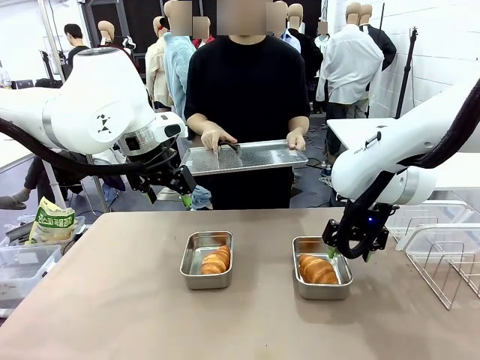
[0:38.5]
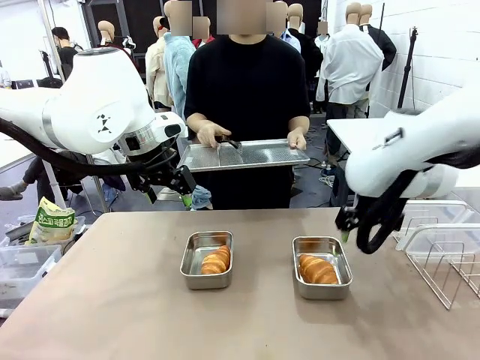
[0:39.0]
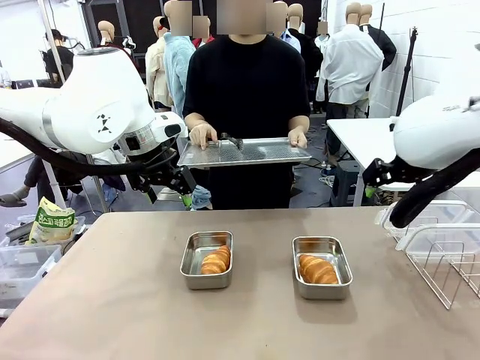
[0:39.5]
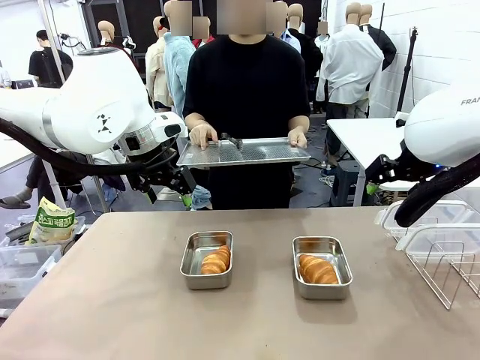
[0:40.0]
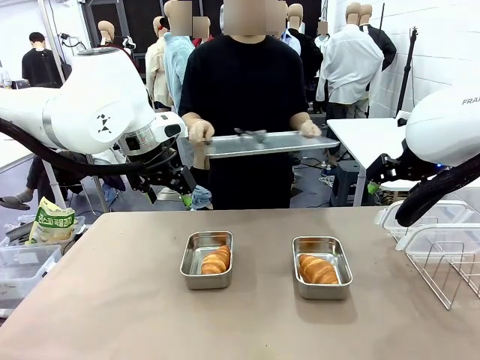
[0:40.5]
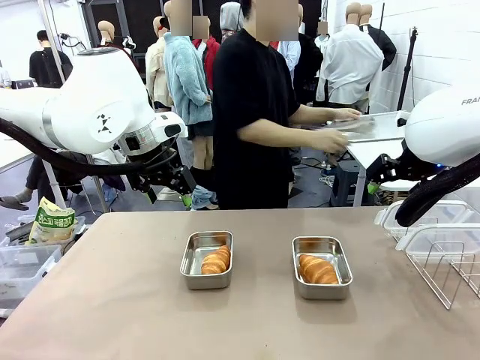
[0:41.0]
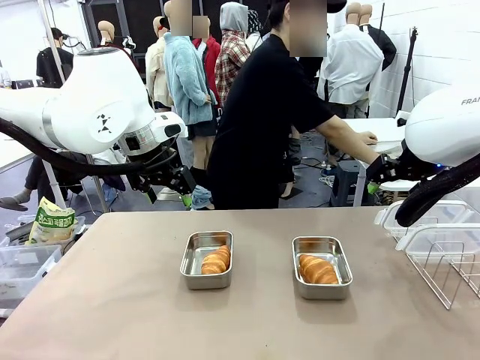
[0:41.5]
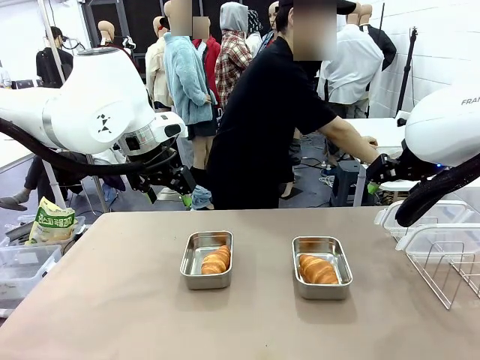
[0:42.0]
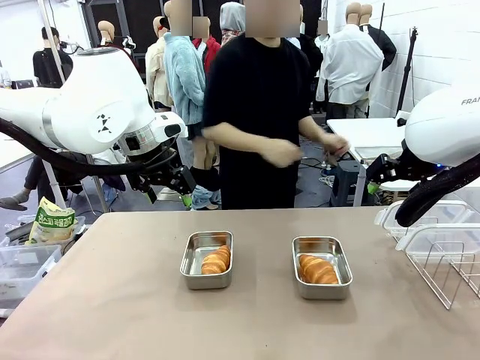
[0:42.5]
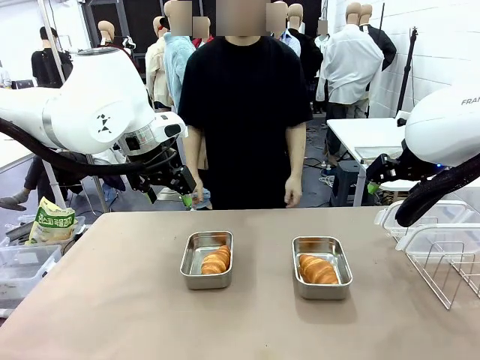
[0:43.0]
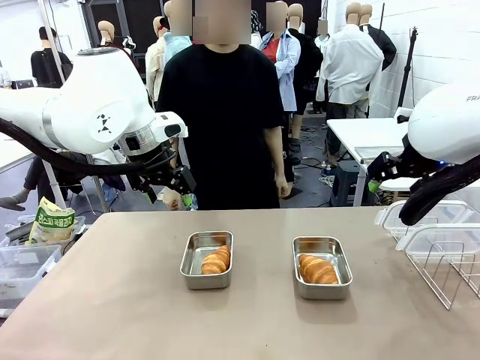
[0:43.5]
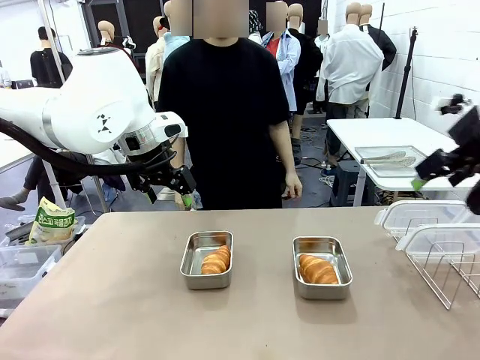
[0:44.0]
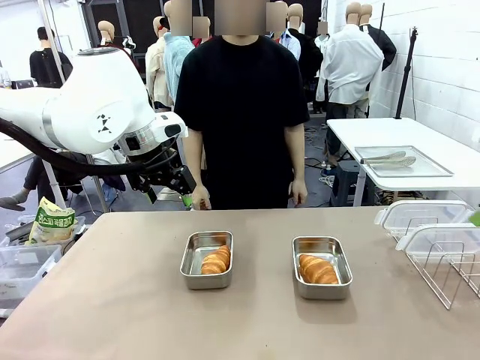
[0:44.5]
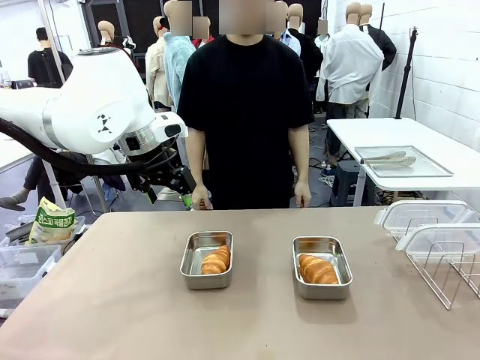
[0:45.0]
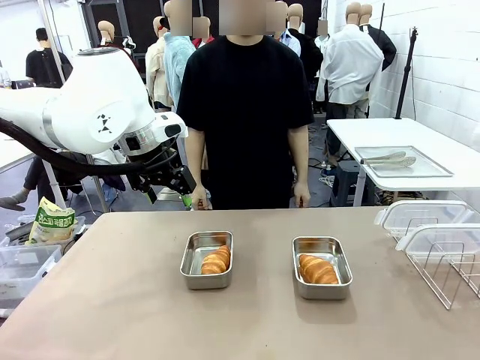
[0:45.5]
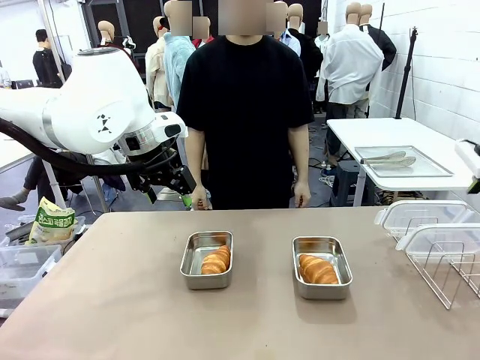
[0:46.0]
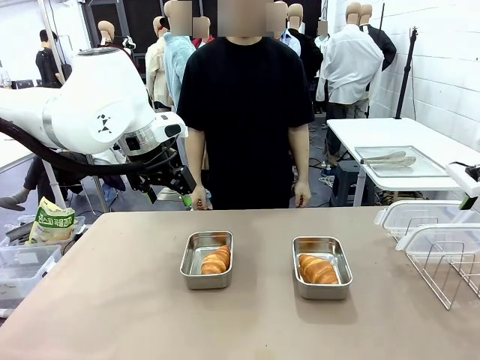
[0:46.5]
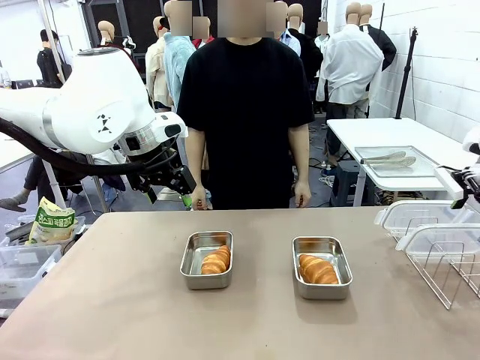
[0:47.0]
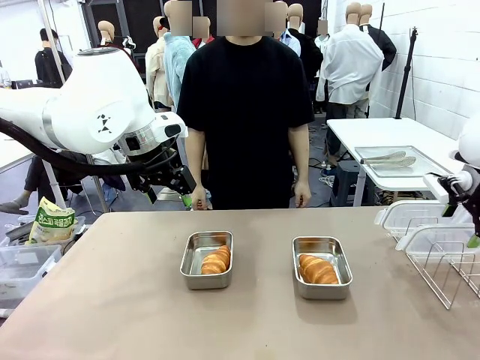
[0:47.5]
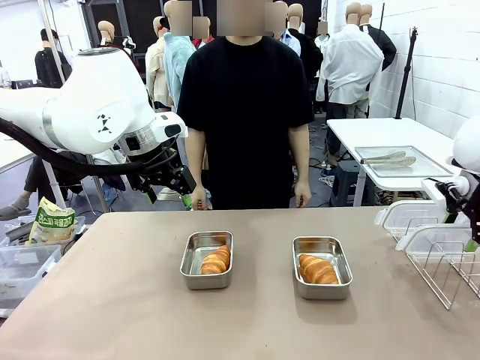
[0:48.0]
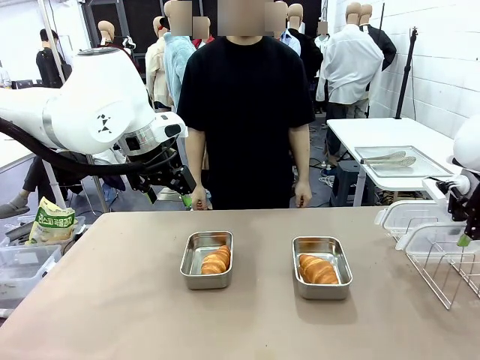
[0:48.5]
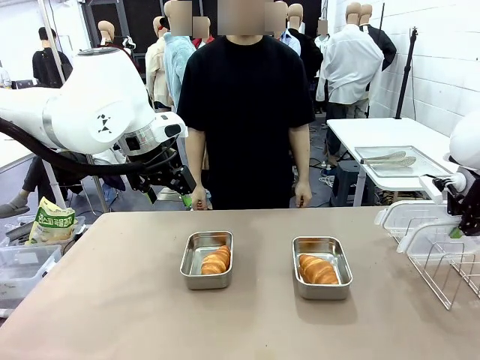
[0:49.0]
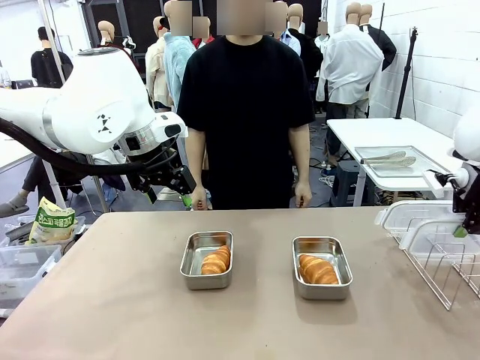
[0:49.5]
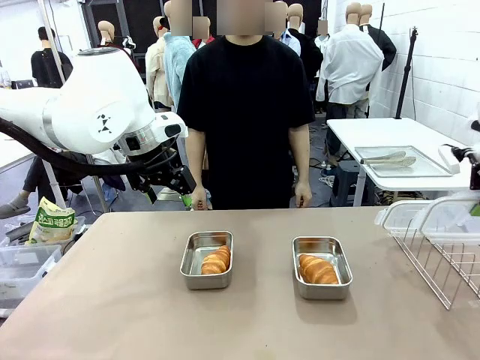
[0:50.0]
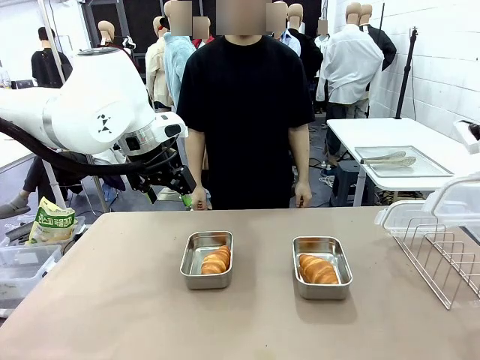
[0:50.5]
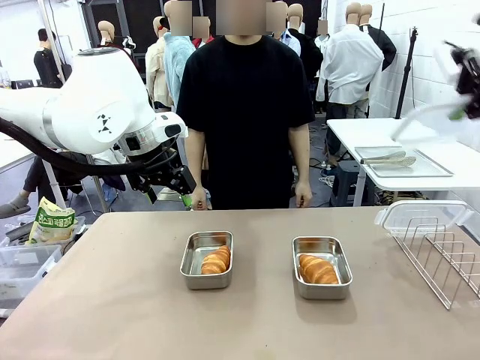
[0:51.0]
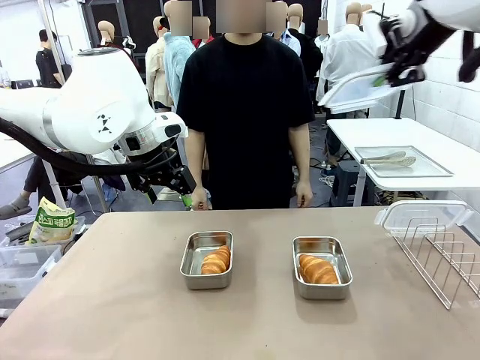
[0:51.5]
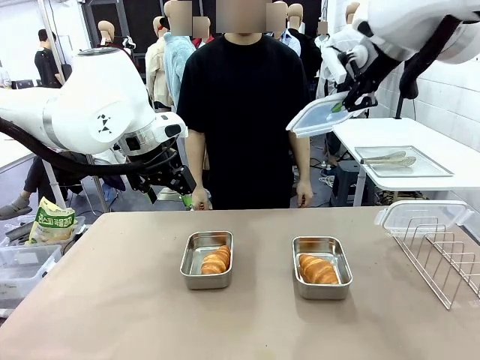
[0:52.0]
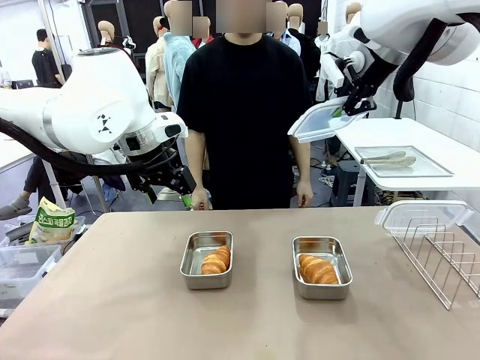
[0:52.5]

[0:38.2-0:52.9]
Task: Place the bread in airtight containers.
Robot: Pick up one Airtight Container lid and hand it to the human.
Person: Place Baking Sheet on the Human's Table. Grip Airtight Container lid that robot is handing.

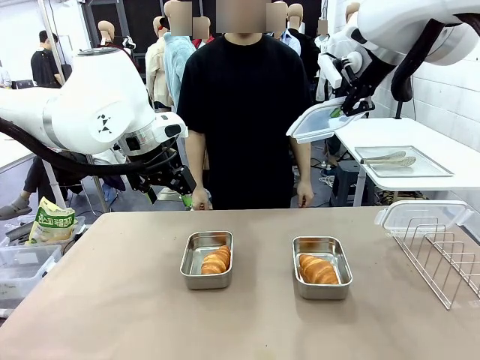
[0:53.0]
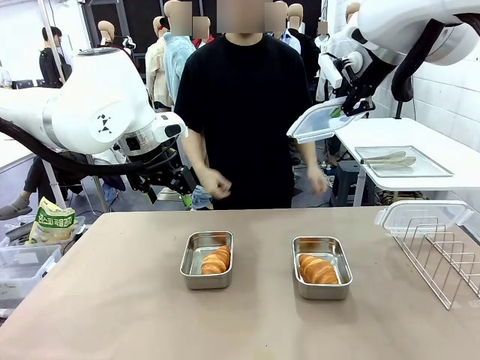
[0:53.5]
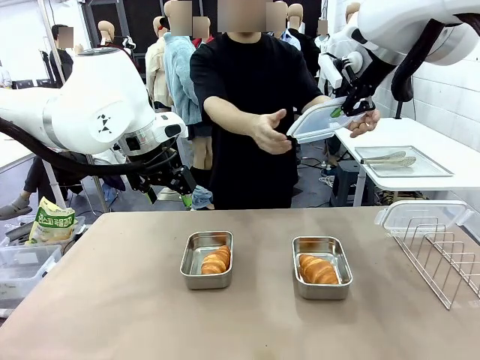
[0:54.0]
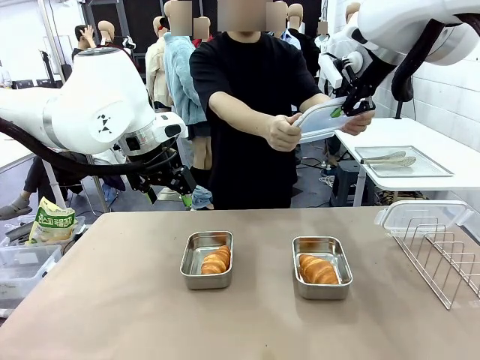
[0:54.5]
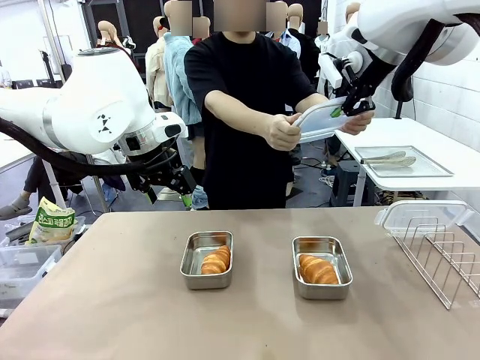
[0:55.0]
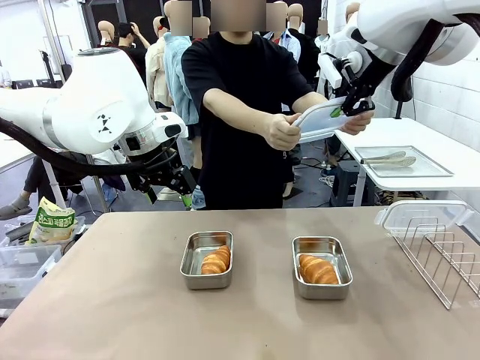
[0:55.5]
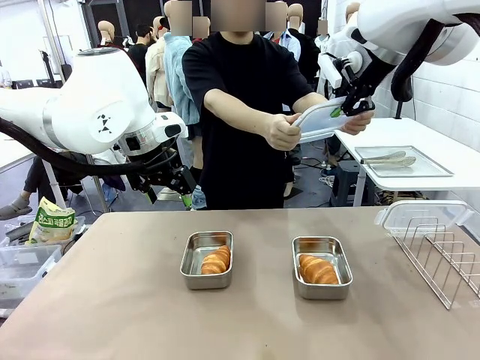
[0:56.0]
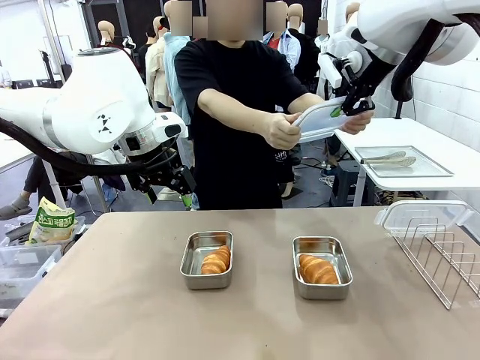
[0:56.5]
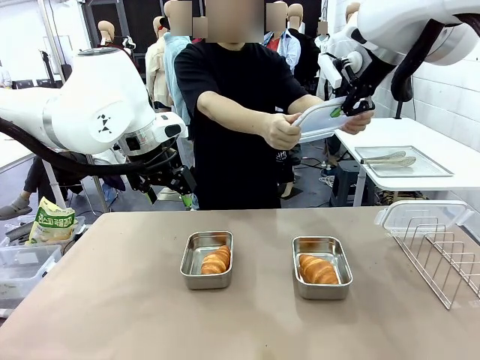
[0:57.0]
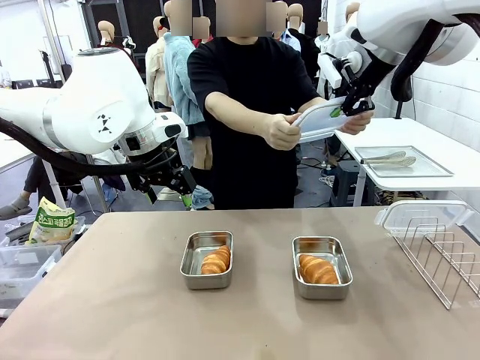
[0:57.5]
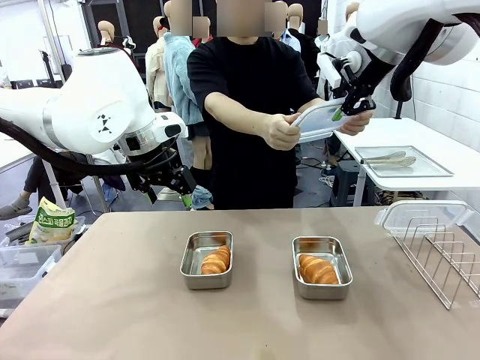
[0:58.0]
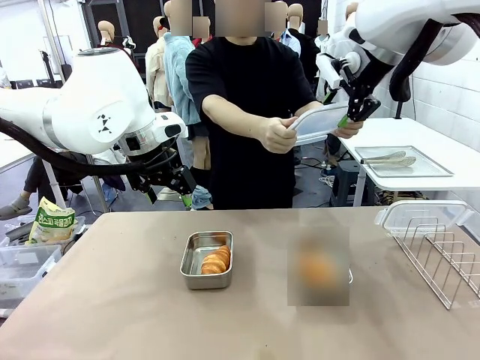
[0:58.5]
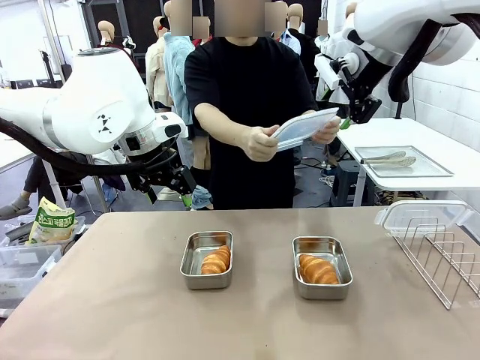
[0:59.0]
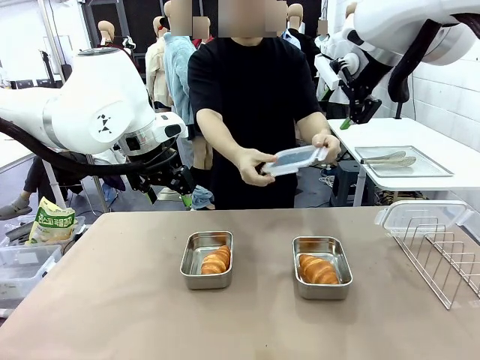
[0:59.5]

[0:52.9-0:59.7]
Robot: Release when the human grabs the Airtight Container lid.

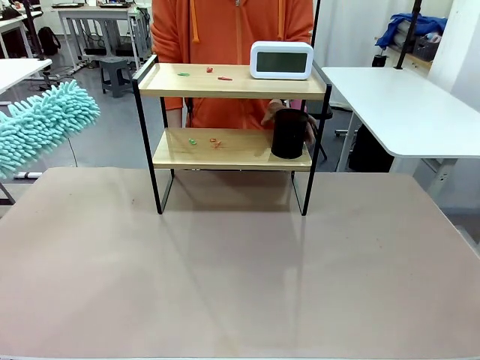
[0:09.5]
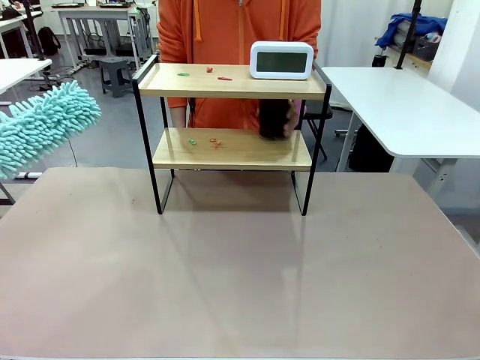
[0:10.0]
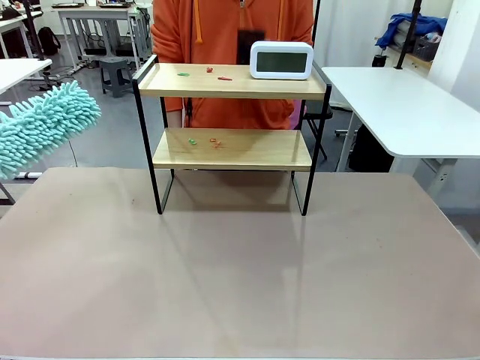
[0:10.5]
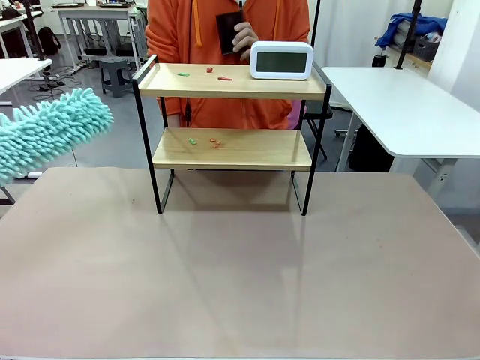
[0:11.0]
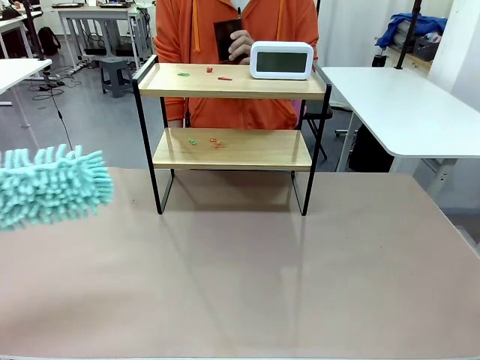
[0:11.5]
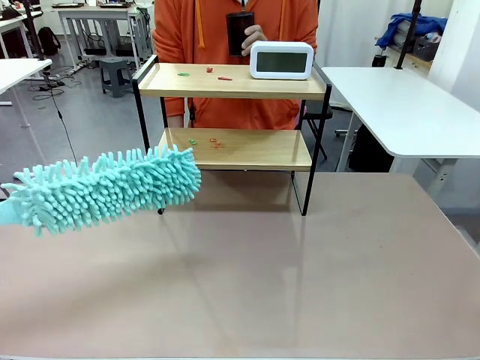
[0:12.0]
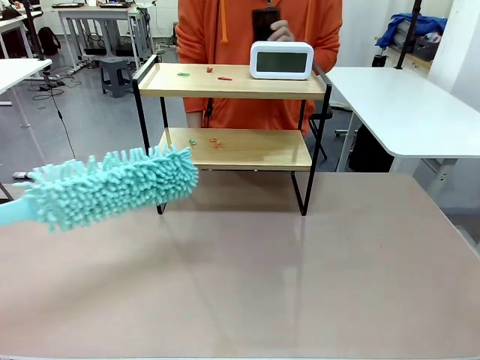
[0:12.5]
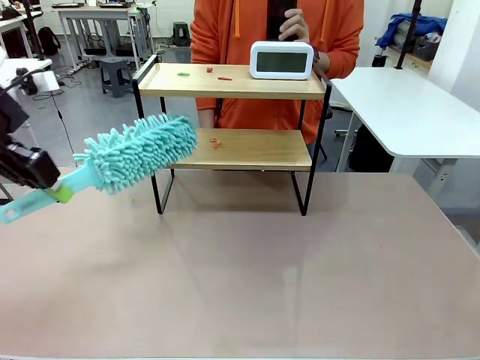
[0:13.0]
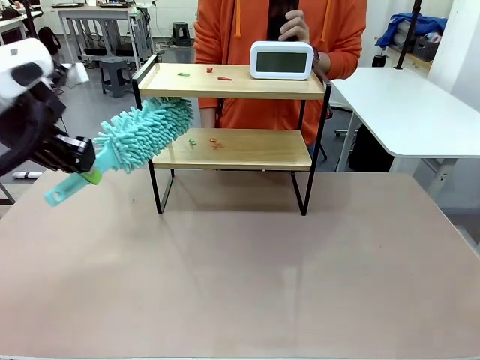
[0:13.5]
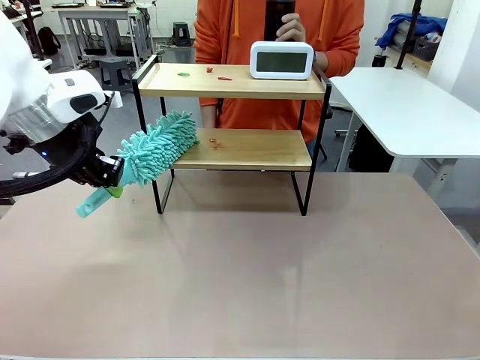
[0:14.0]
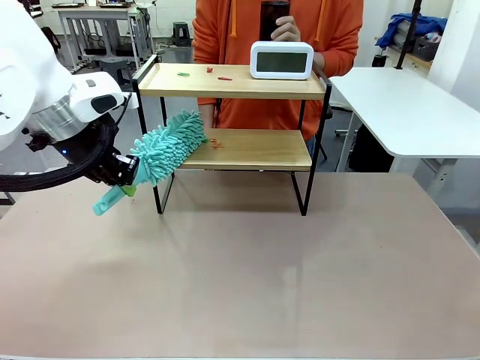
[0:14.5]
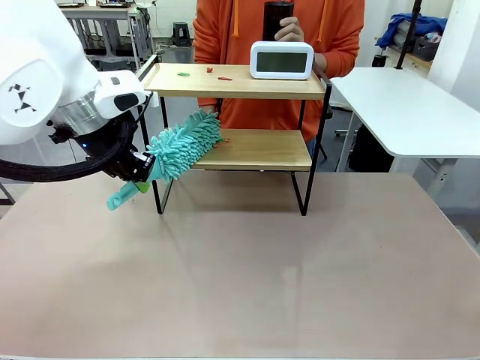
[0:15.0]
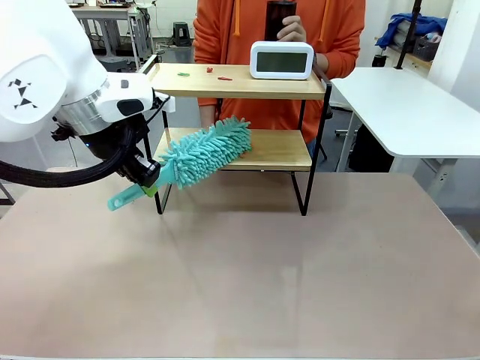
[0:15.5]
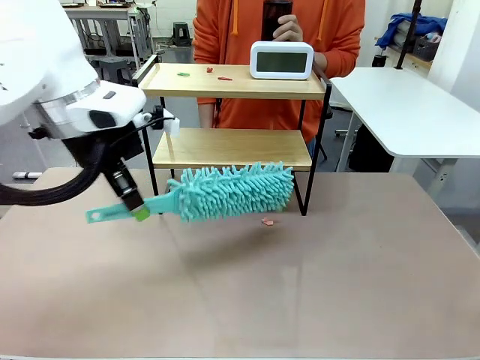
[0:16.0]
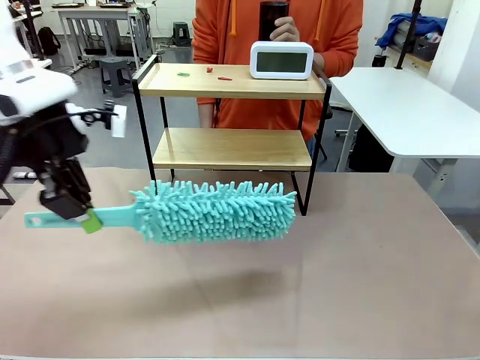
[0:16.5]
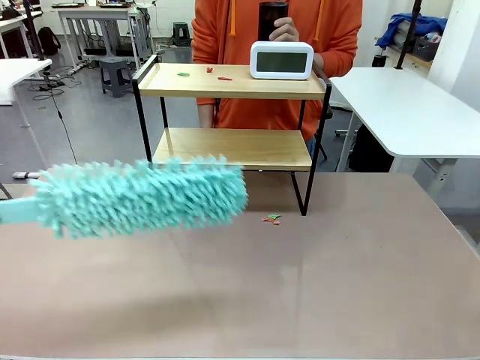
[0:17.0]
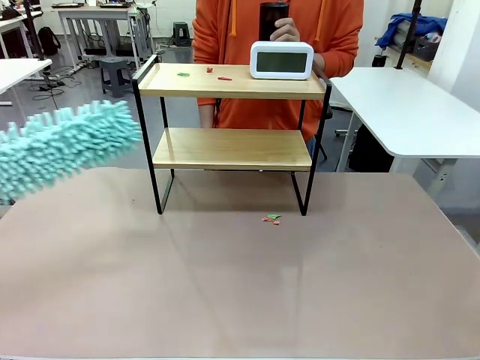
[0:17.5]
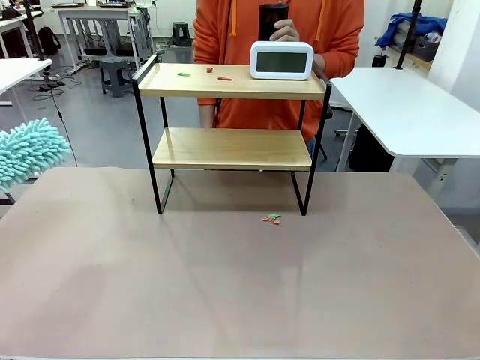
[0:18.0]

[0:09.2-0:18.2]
Task: Clean the shelf.
Robot: Clean the specific tier of the Shelf with the Duster once objects are removed.
Person: Lift the objects on a randomly selected tier of the Shelf. Once the robot finishes cleaning, lift the objects on the remaining tiers of the Shelf.
